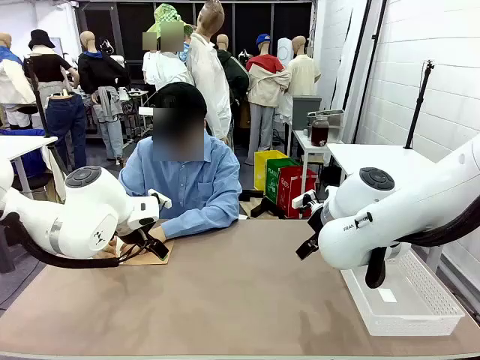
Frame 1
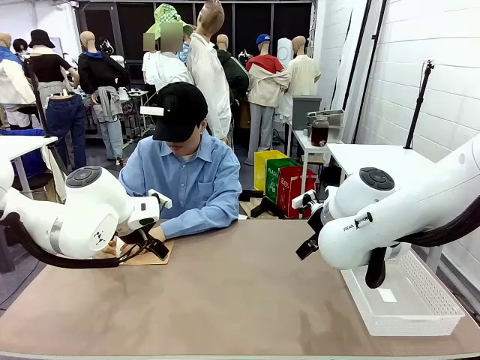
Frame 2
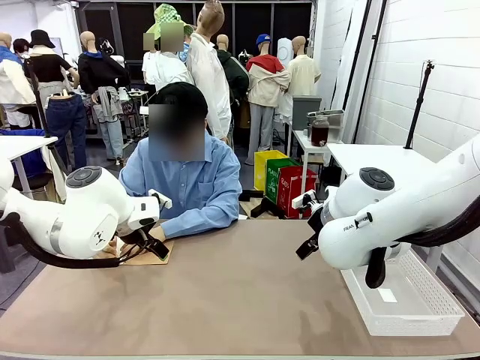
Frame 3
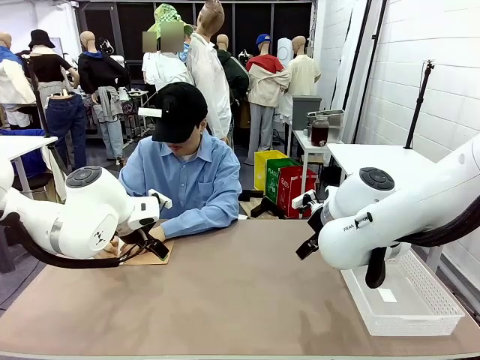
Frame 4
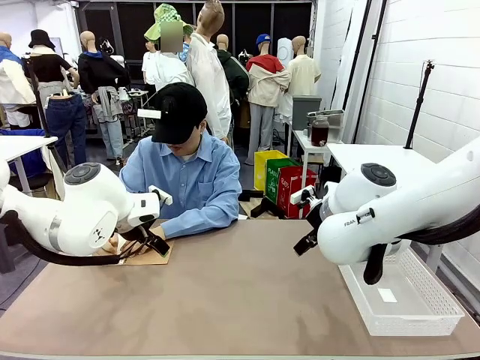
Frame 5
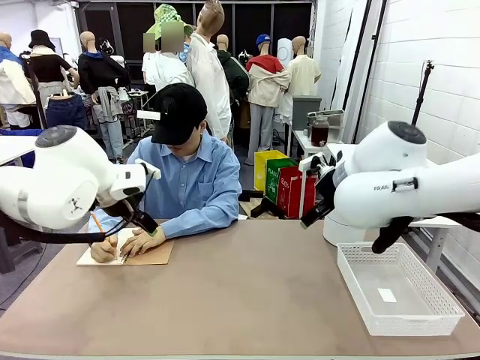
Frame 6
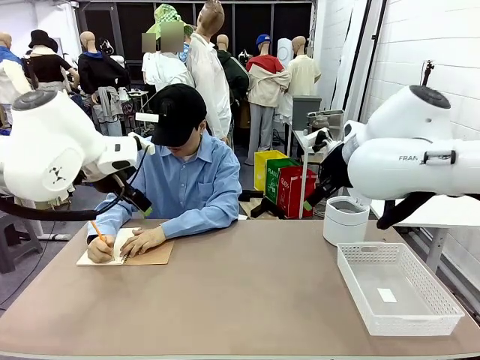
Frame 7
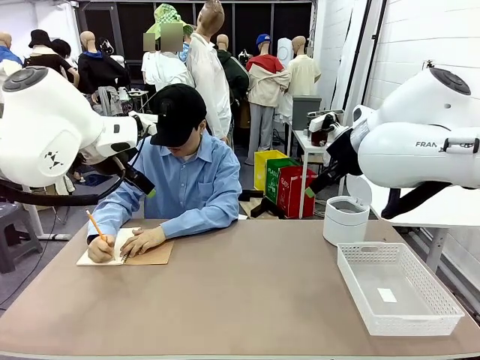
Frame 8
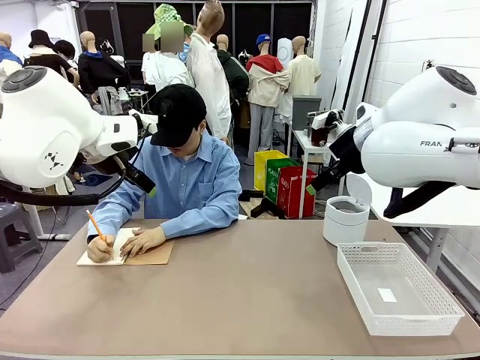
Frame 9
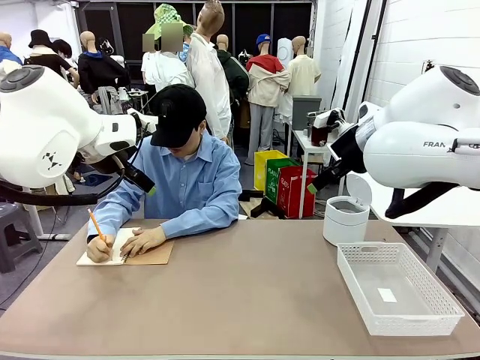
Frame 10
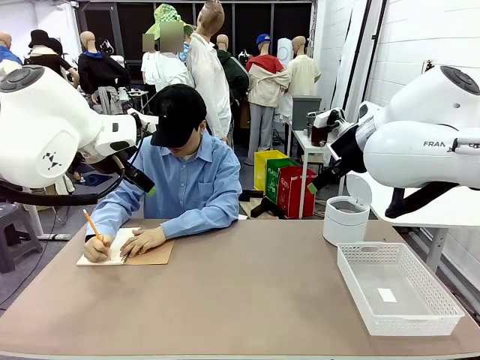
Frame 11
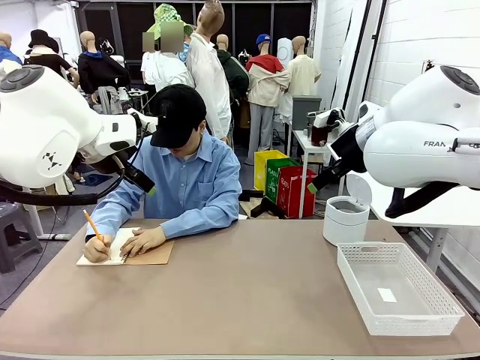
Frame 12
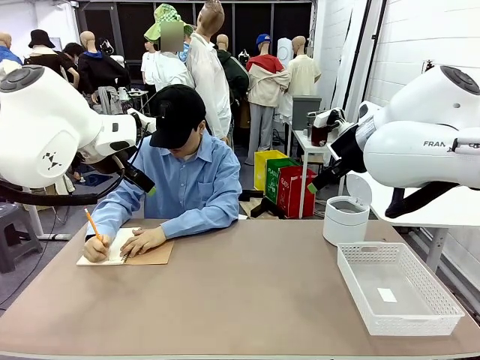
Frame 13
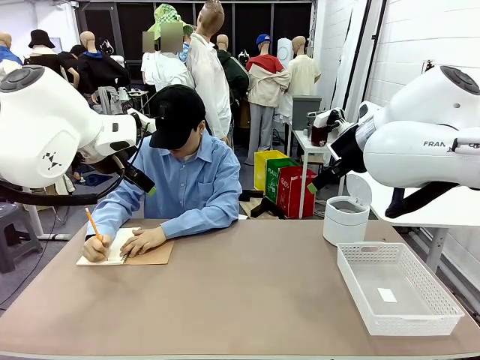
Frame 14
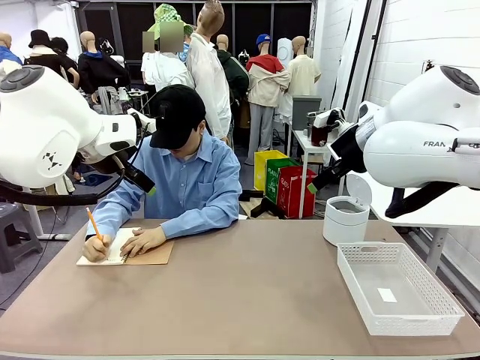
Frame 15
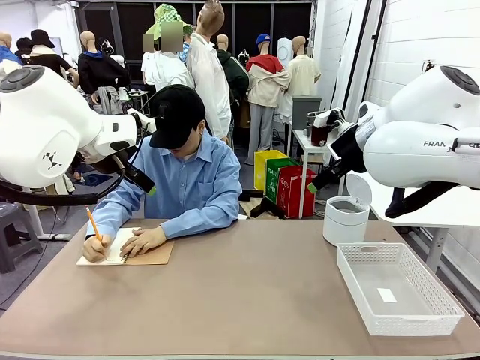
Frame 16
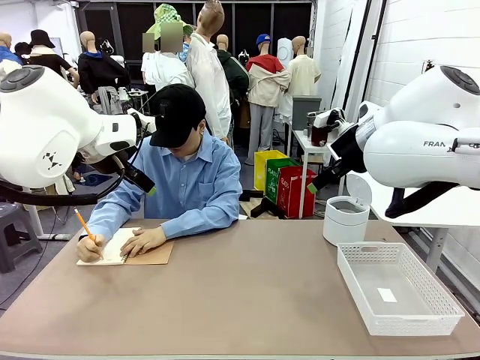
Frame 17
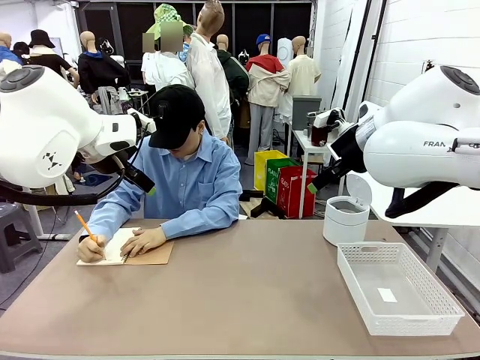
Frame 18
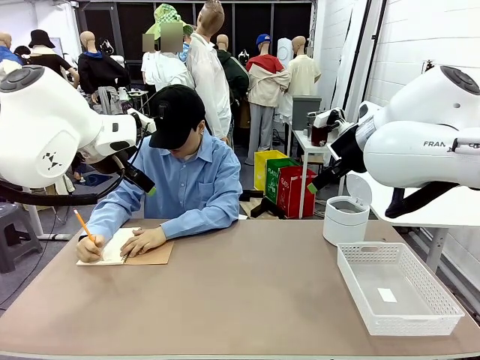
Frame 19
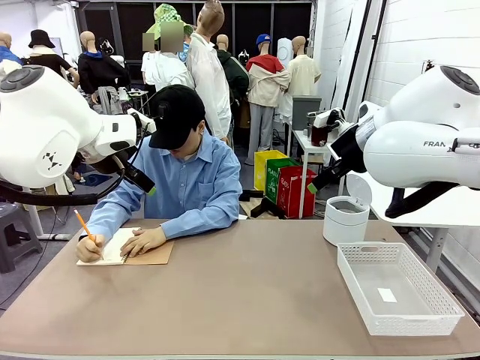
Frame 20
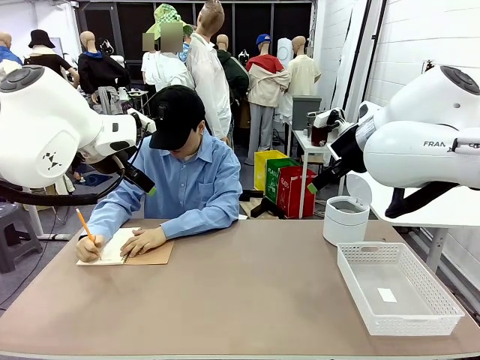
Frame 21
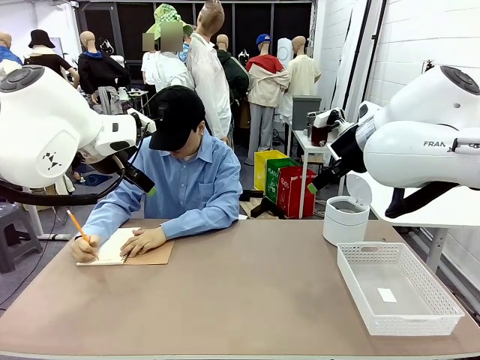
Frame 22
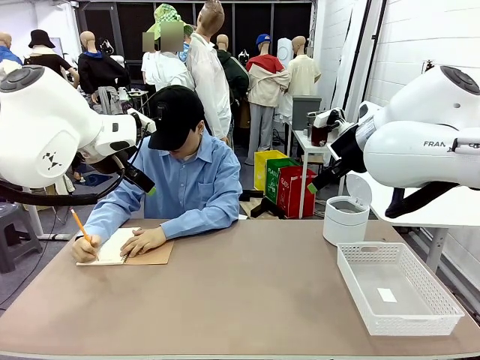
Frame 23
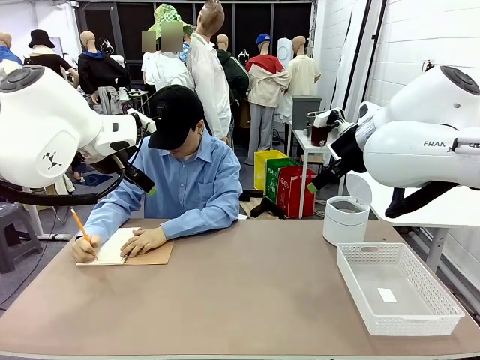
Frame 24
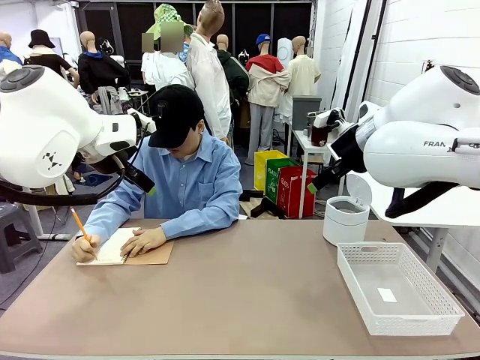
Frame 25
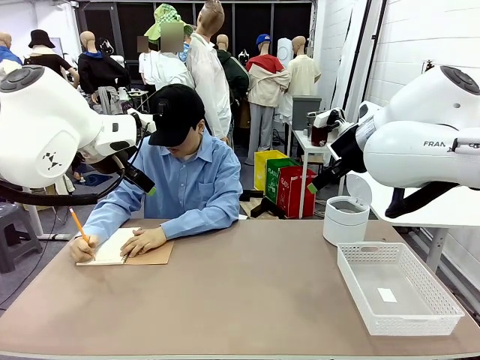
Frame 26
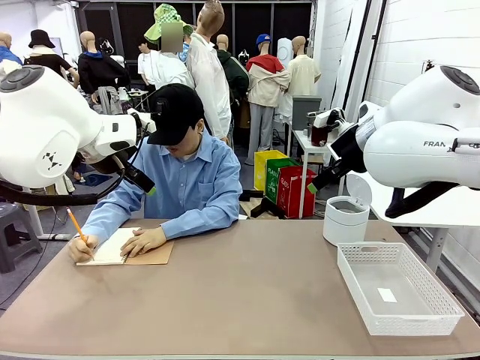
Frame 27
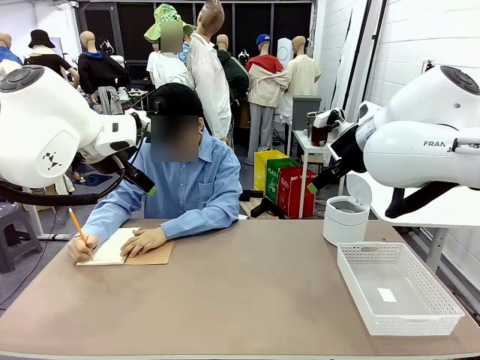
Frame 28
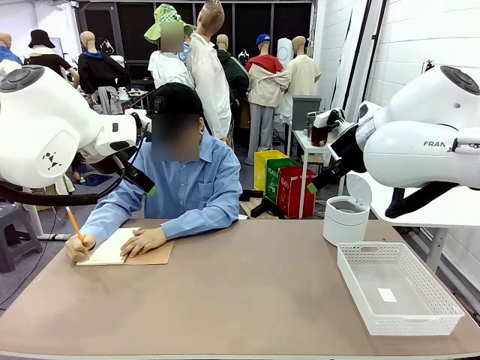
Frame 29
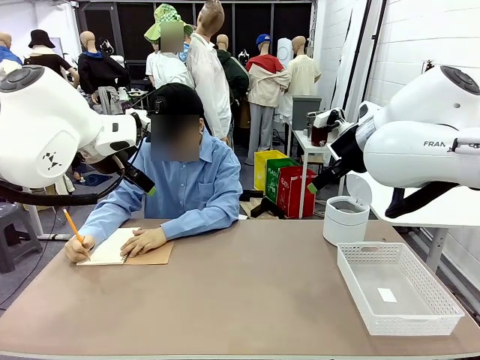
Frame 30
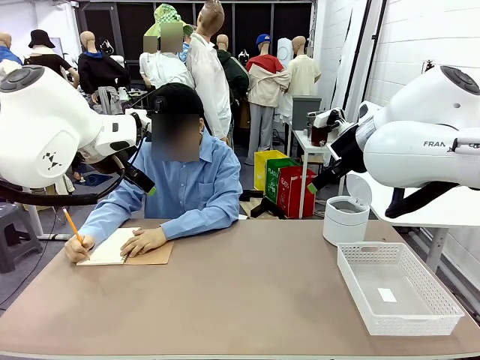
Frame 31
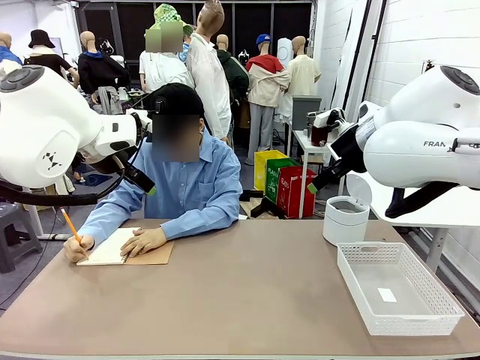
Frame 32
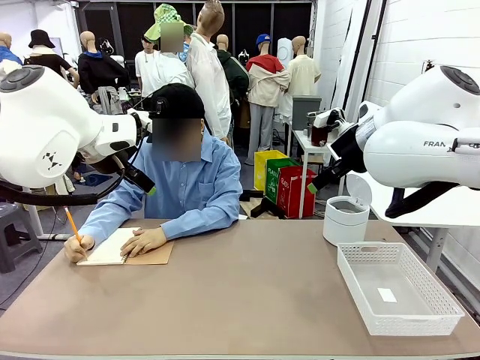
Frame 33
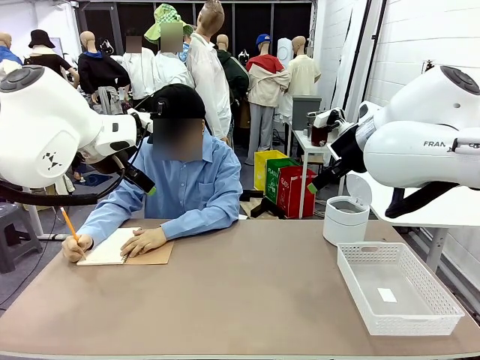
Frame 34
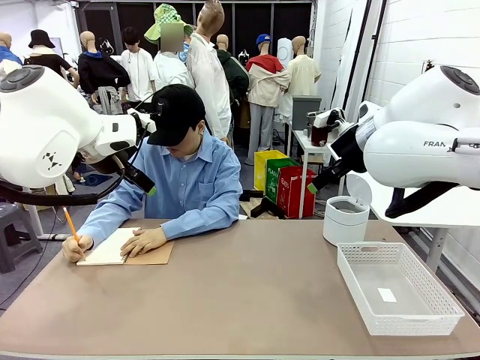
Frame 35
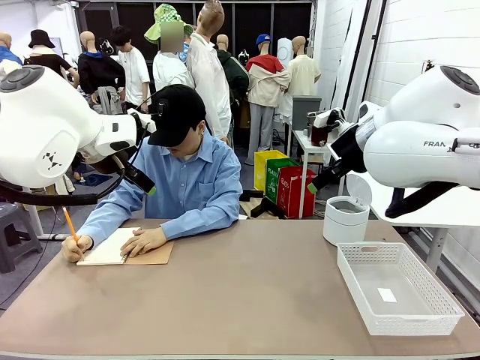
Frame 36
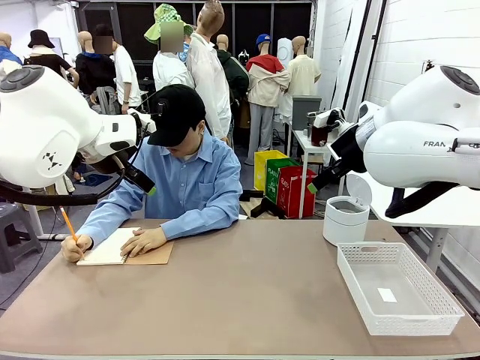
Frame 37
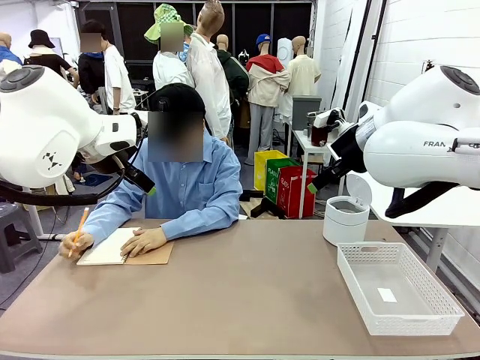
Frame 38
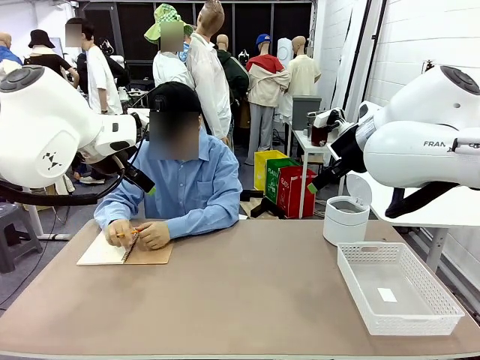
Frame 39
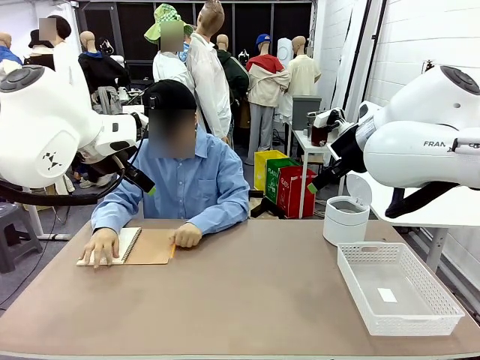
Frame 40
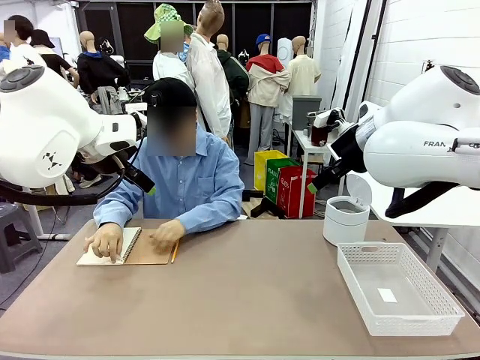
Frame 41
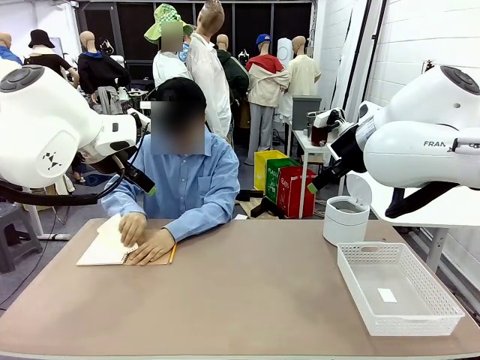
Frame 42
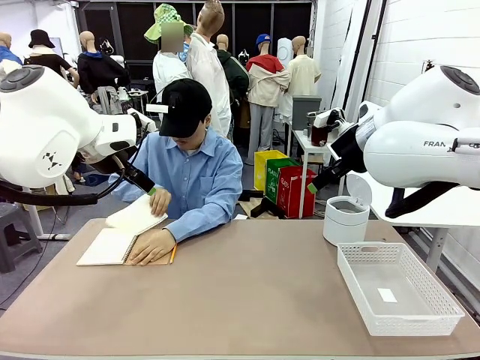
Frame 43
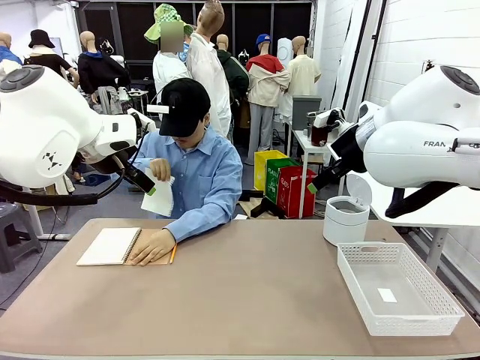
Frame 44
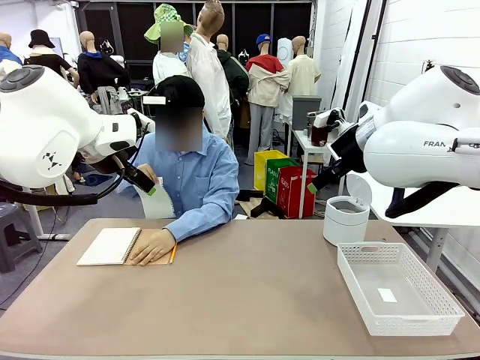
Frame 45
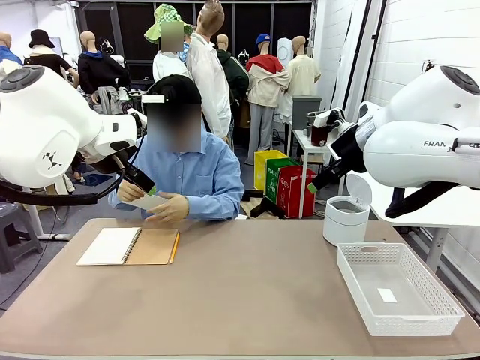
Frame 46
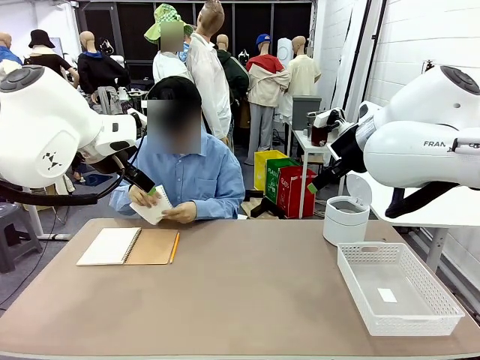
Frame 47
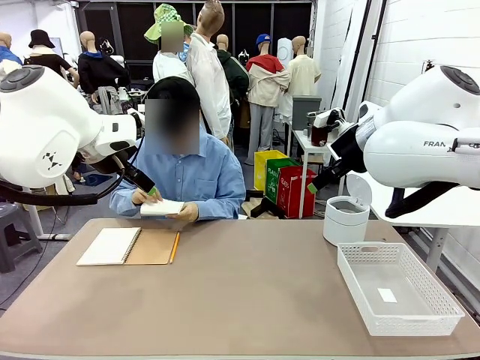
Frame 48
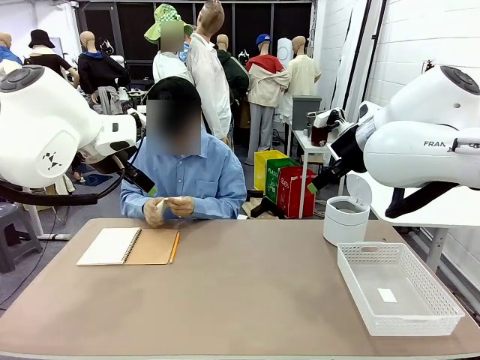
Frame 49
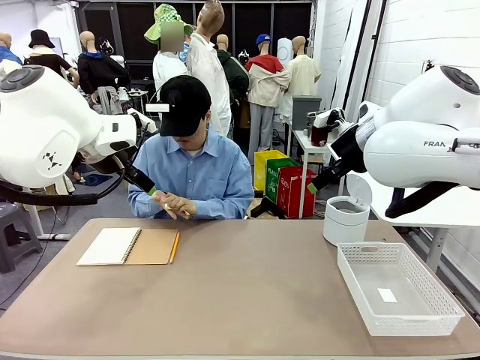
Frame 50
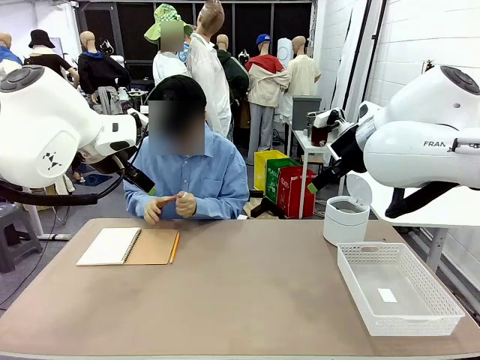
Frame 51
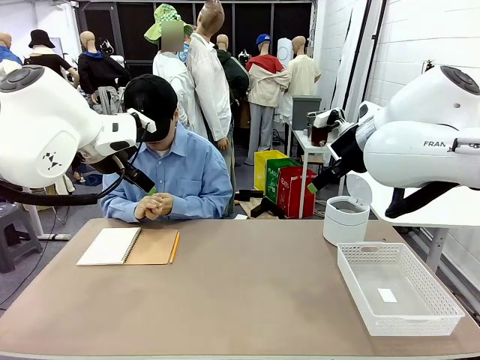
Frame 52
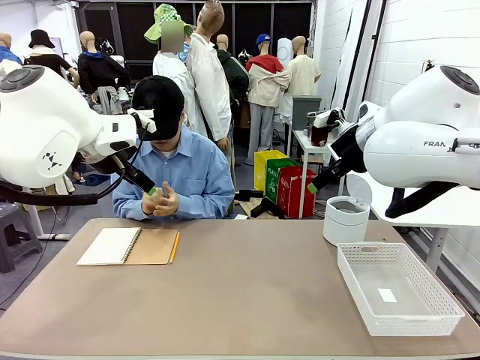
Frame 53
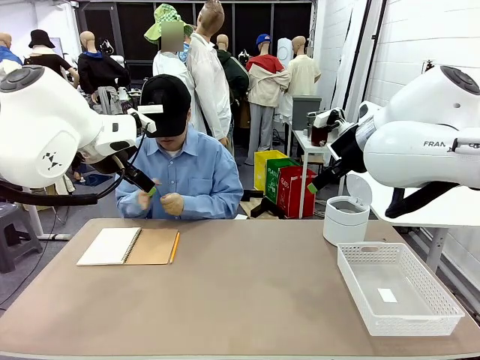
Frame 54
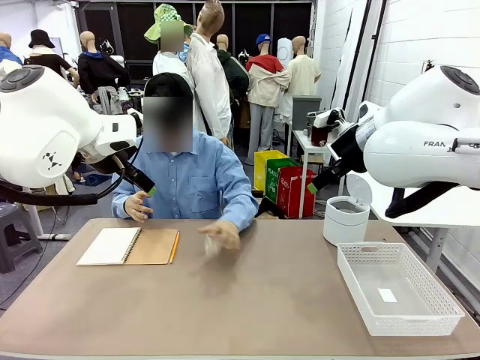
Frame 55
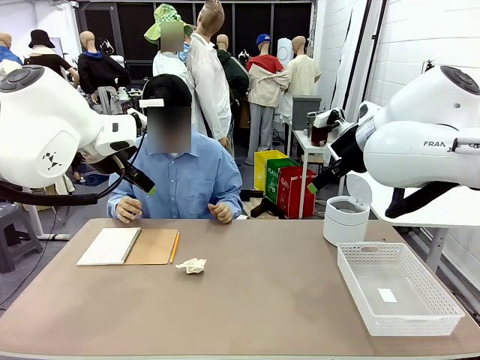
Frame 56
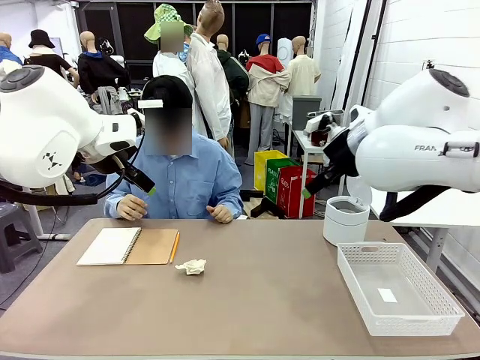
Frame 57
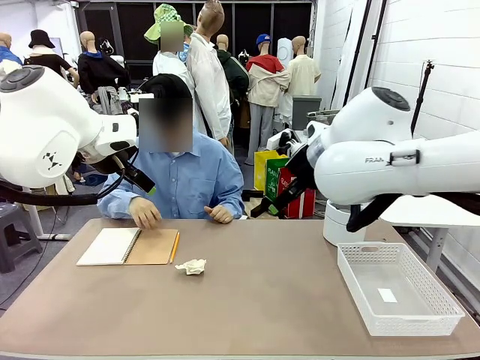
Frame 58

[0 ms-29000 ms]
Task: Sort the paper based on its condition.
Robot: If a person hands you a paper, place it in the Organizing basket , and if it's crumpled, put it in the Trash can.
Person: Tear out a page from the spiral notebook. Hand the torn page to the robot or crumple it and throw it to the center of the table.
